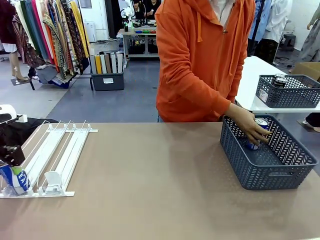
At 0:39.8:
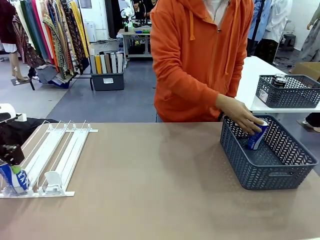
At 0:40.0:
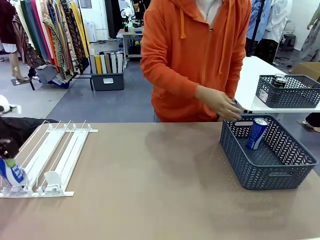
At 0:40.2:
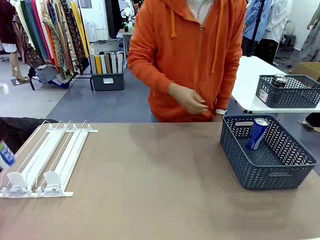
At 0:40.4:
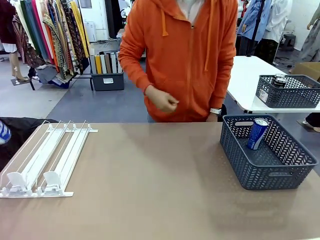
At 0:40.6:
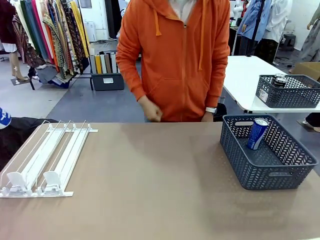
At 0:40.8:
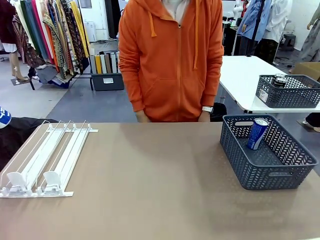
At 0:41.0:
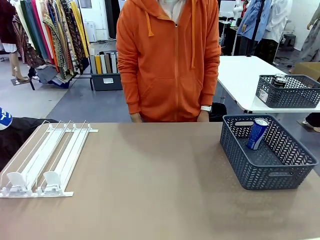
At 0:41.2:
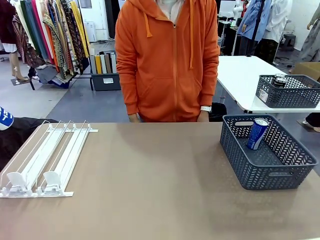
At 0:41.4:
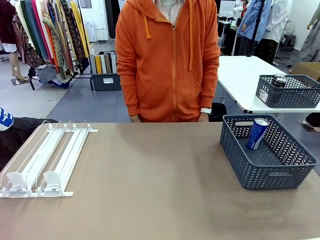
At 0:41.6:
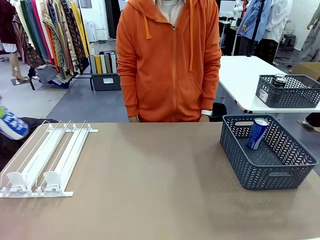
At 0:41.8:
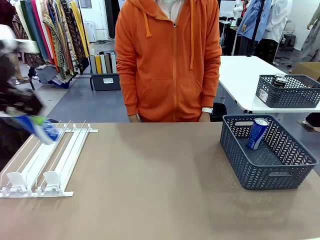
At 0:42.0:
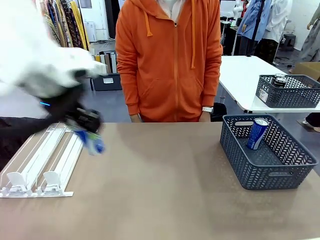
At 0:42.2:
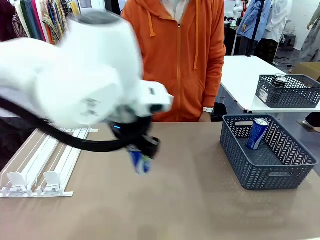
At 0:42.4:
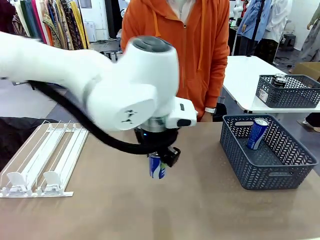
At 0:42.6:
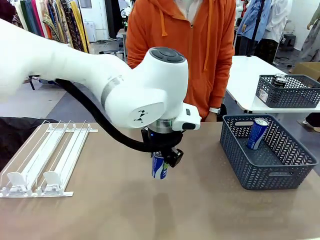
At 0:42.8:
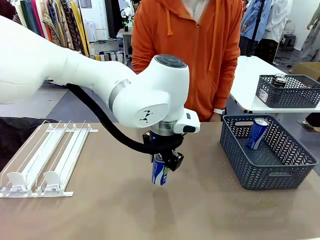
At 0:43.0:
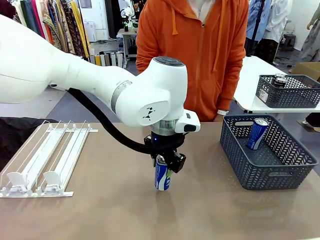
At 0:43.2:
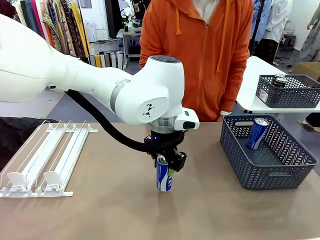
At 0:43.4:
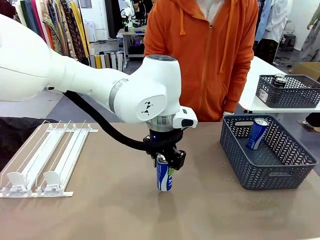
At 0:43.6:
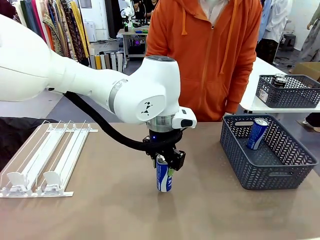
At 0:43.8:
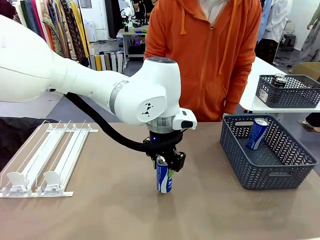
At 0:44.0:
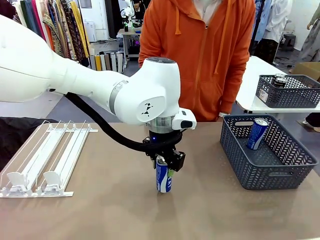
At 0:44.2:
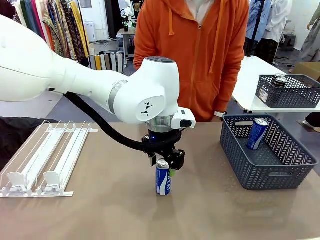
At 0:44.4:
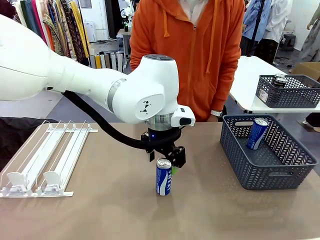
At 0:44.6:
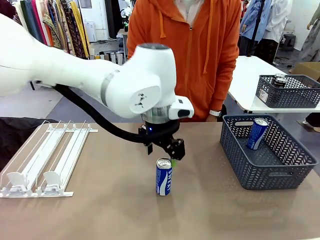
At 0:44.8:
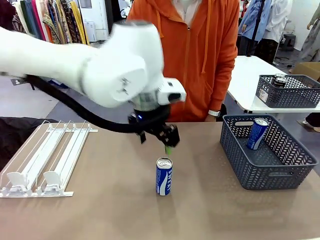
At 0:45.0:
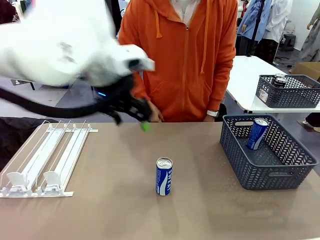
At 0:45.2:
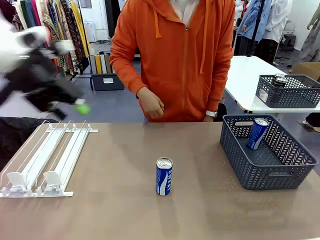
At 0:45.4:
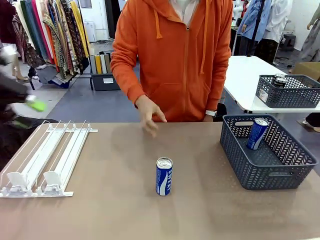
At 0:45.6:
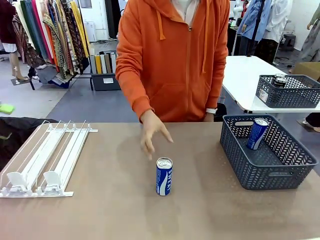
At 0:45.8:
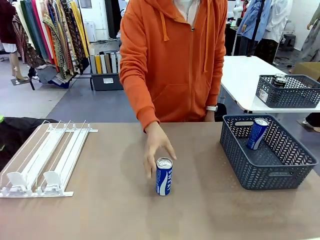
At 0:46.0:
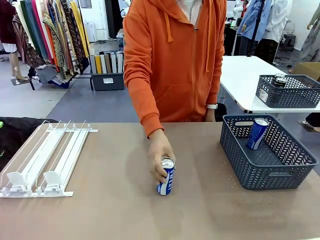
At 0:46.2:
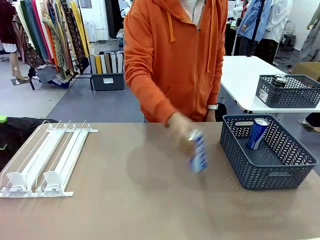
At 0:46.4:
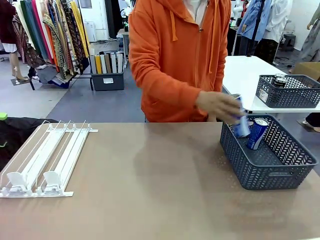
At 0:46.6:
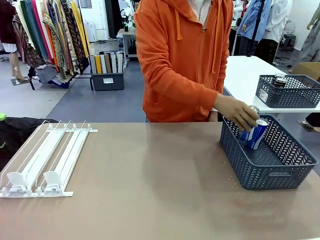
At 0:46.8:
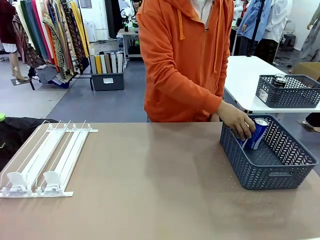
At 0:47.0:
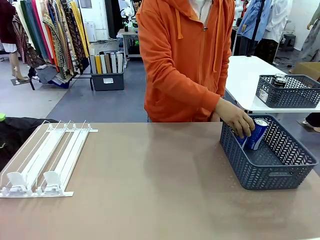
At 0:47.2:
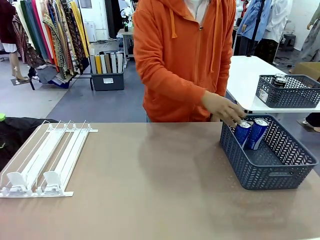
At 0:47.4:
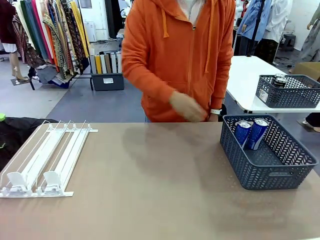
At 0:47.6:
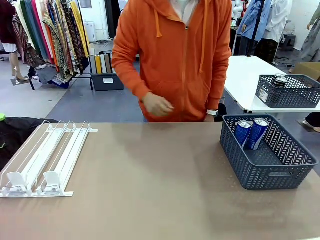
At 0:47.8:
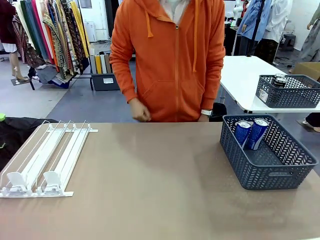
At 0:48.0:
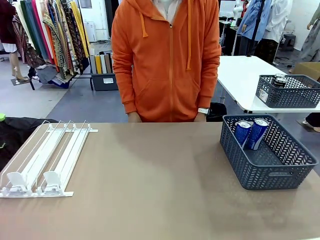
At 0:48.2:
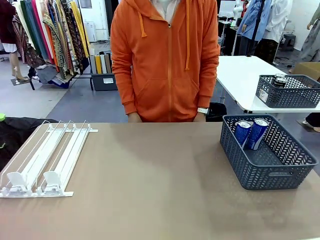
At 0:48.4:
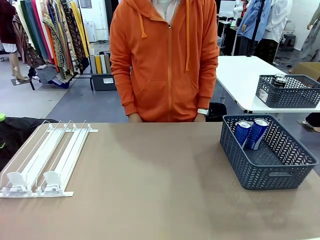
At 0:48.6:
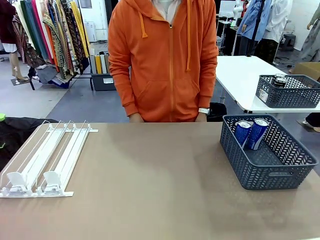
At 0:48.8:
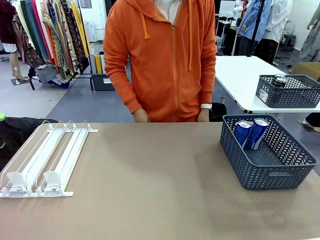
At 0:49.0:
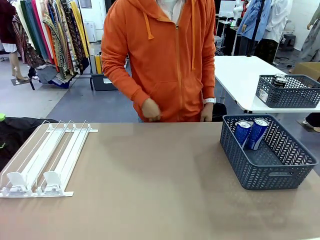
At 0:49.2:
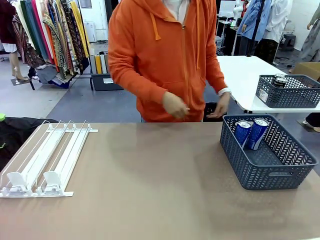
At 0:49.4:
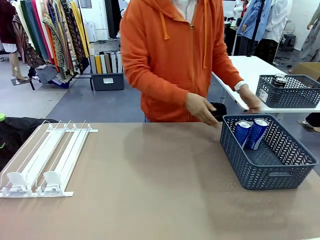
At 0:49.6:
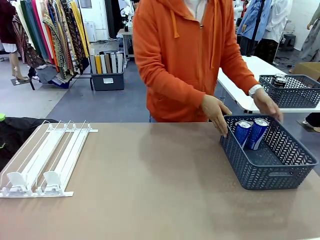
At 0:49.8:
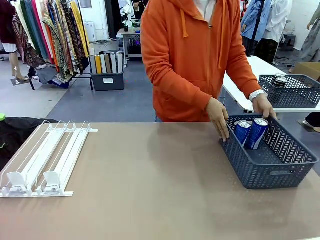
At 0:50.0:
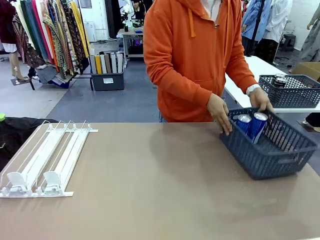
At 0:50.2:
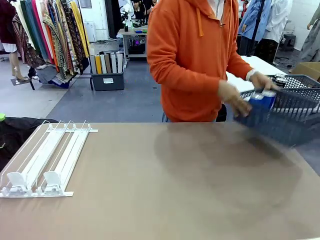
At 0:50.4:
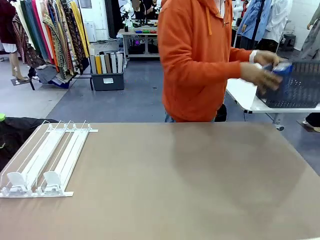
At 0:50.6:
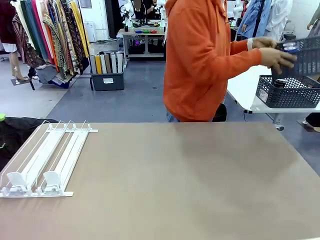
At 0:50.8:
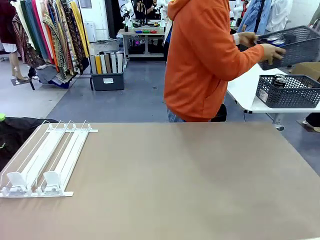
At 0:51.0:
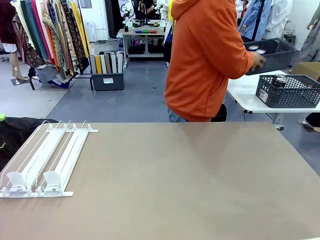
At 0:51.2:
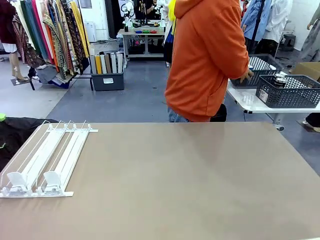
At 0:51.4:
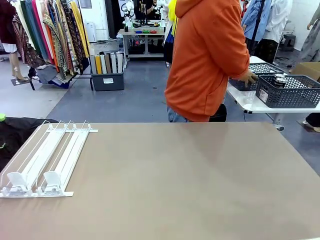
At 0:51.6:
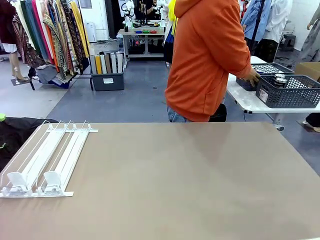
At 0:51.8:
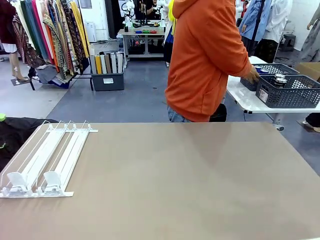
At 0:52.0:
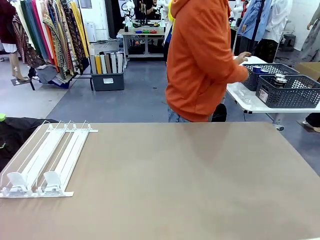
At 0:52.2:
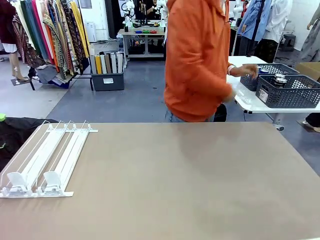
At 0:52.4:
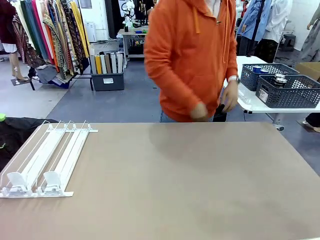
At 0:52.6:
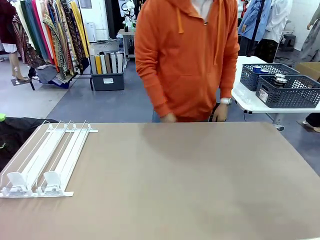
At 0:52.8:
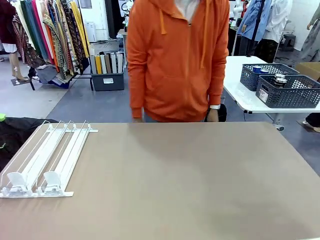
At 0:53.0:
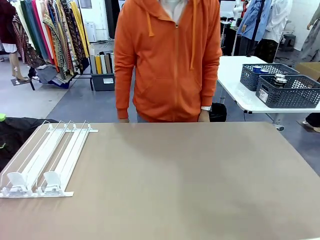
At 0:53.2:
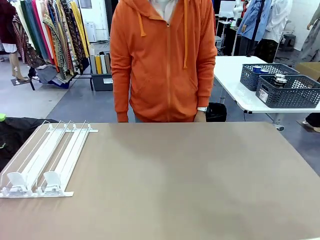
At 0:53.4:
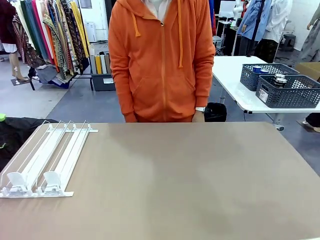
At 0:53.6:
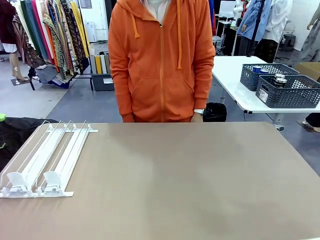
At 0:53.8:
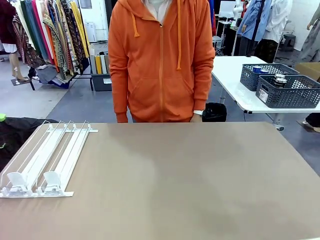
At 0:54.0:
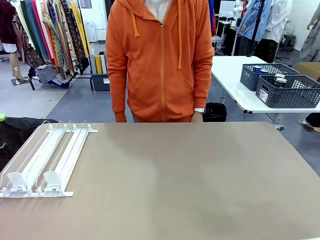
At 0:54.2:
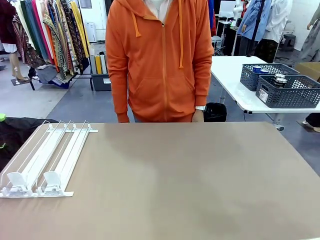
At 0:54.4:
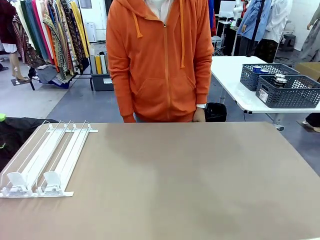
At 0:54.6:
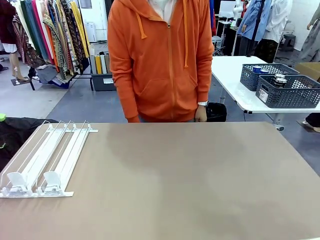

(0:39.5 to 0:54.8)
Task: Retrieve and store the cans from the dispenser.
Robot: Pick up one can from the Automatic Can Dispenser and place it in the middle of the table.
Person: Pick up one sports drink can from the middle of the robot table and place it in the basket. Pick up the basket and place it in the middle of the human table.
